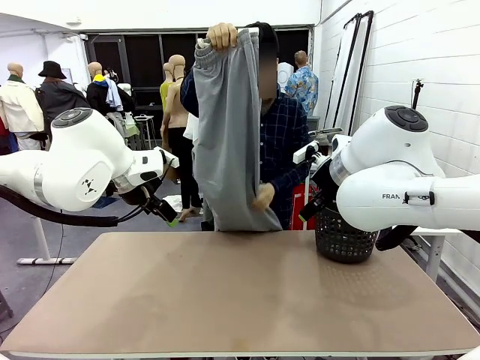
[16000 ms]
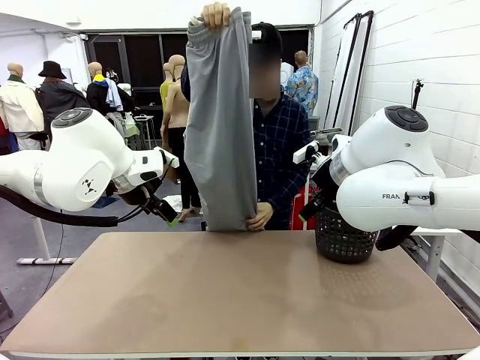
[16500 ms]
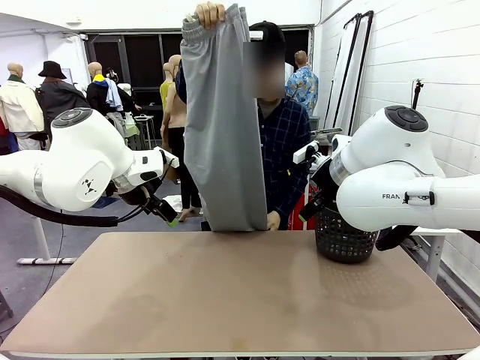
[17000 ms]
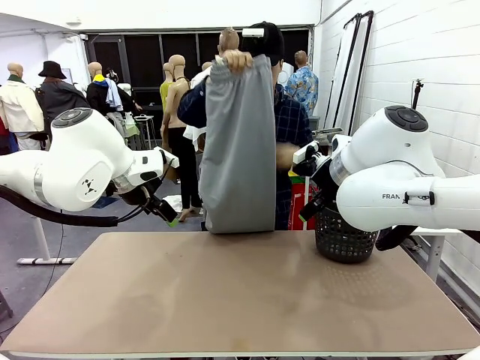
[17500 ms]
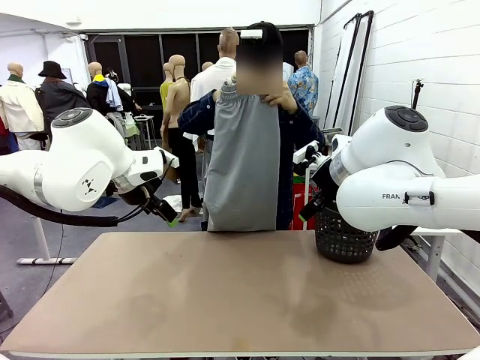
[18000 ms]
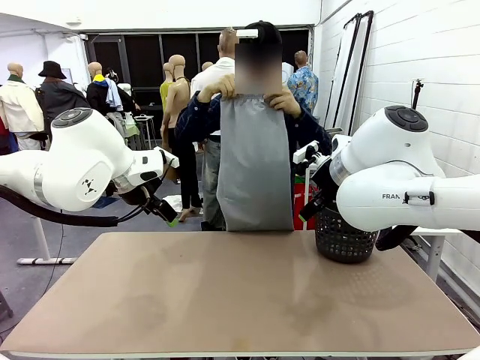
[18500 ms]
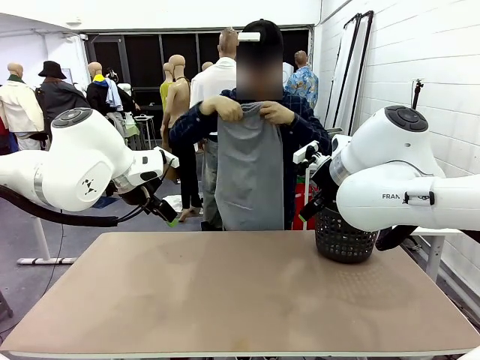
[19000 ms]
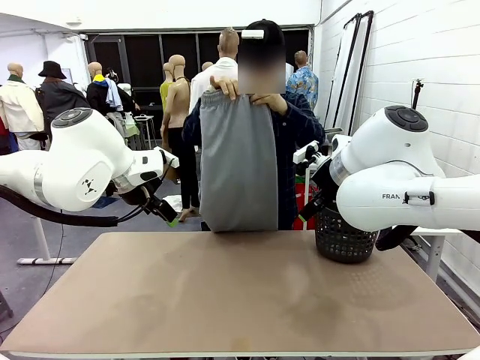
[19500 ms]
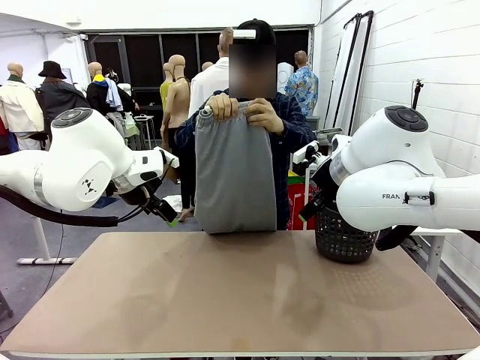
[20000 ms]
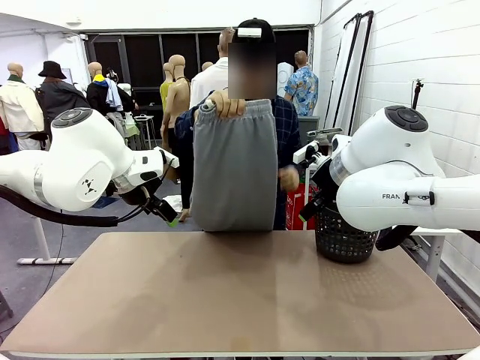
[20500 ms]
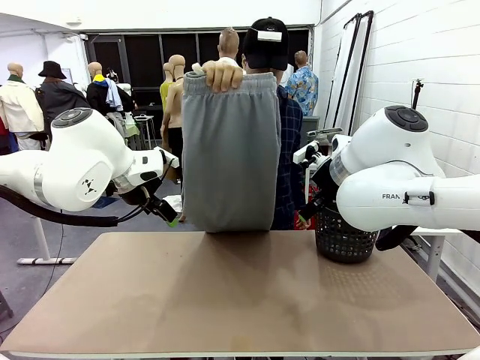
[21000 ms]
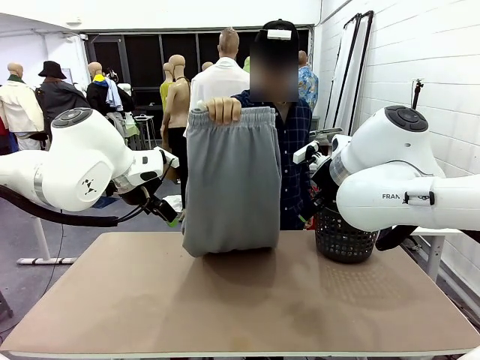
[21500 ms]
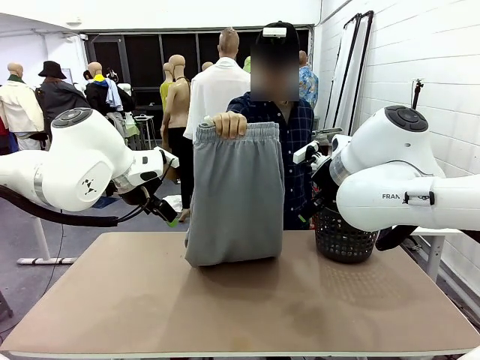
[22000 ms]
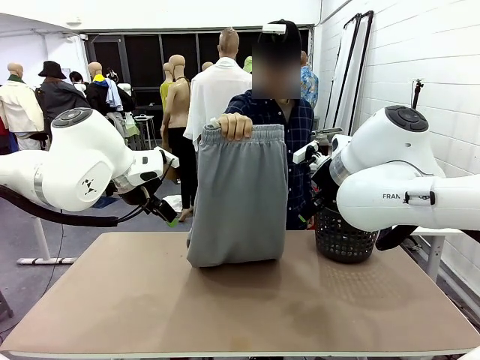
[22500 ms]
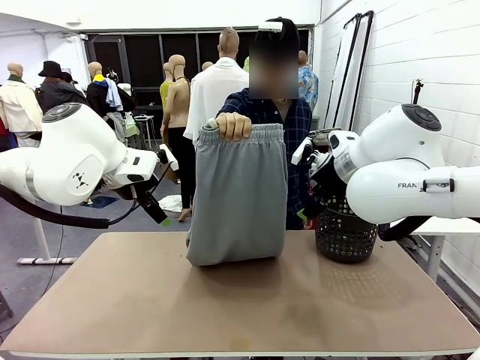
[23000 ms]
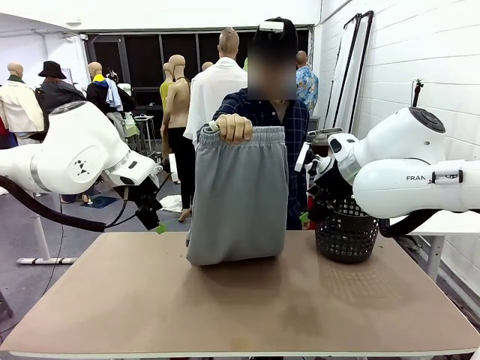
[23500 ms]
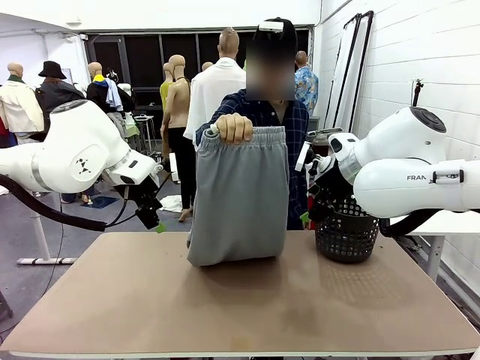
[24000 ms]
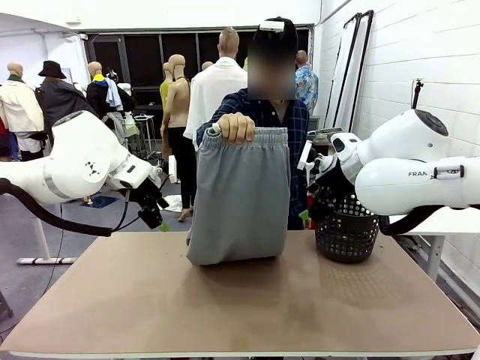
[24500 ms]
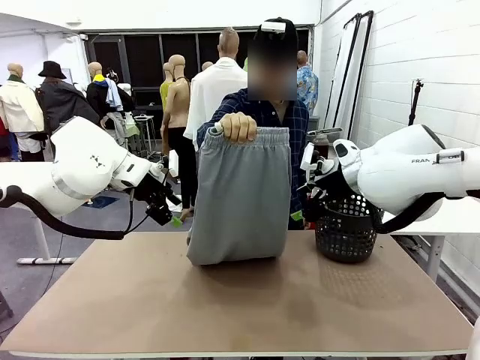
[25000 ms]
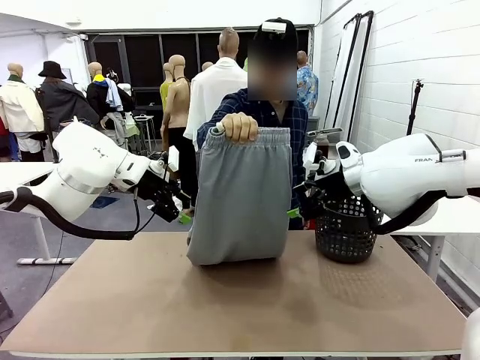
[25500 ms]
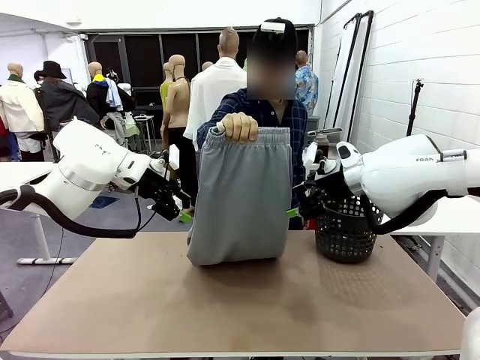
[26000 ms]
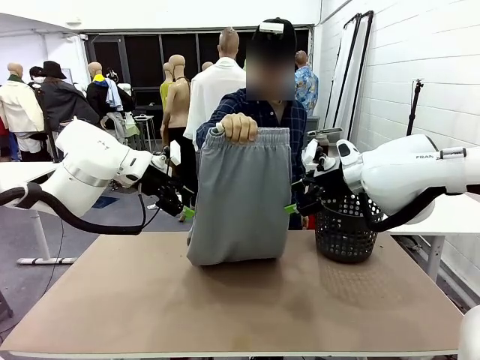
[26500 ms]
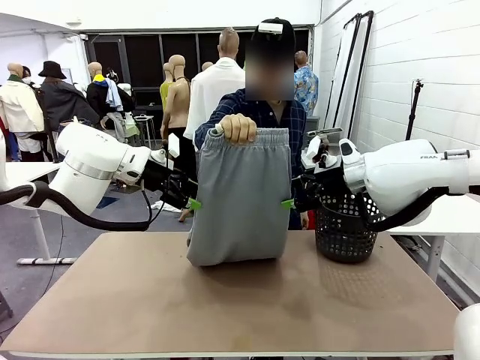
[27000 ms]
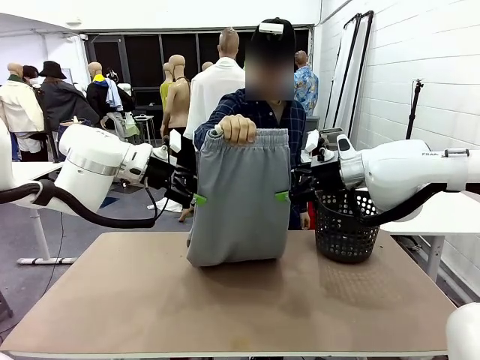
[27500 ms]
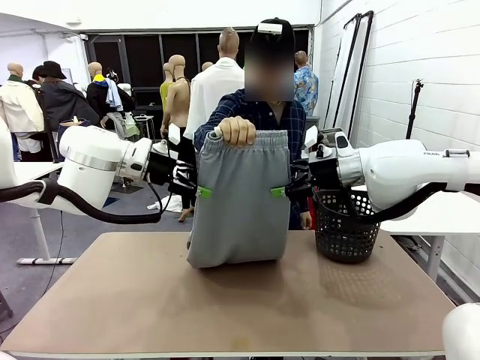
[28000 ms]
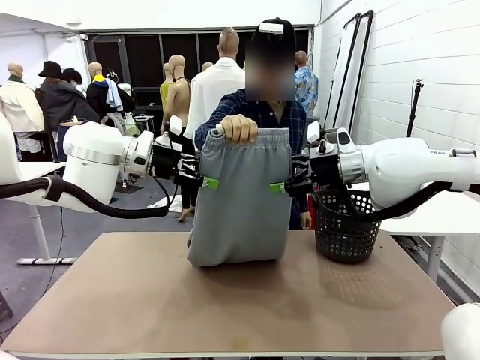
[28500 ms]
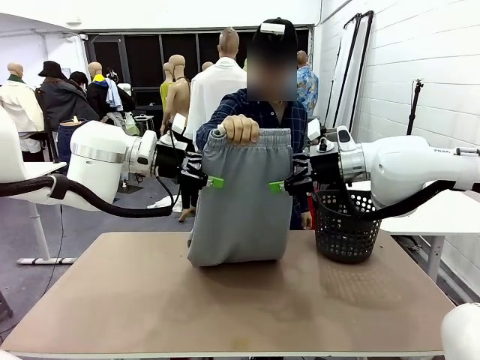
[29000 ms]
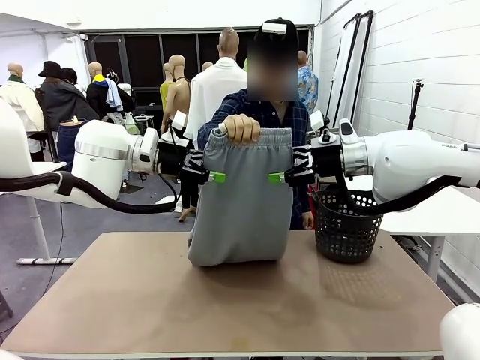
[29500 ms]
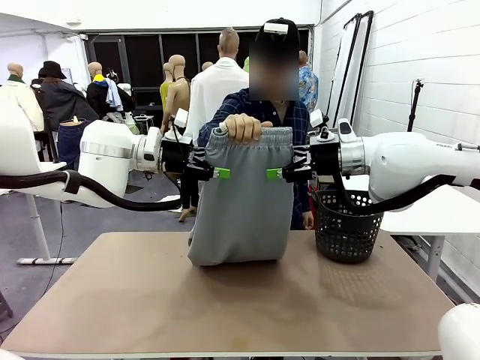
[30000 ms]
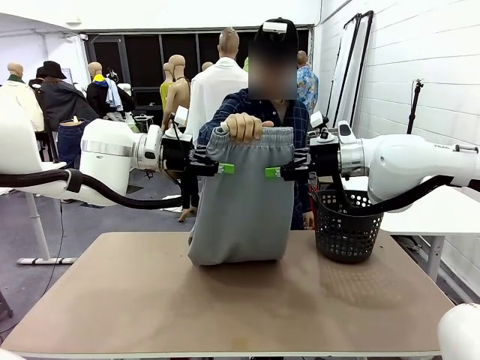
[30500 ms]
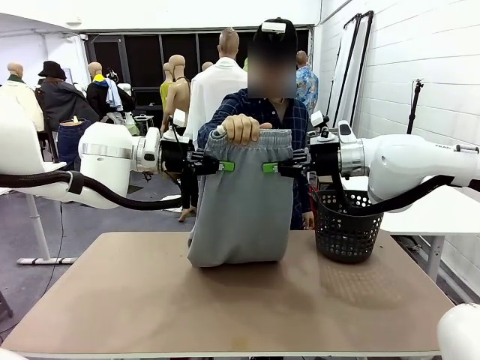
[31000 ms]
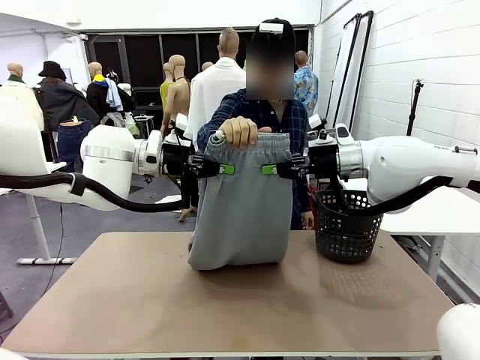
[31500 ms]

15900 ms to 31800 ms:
Task: Fold the training pants.
Robot: Grab both ends of the Training pants handed by a person.
